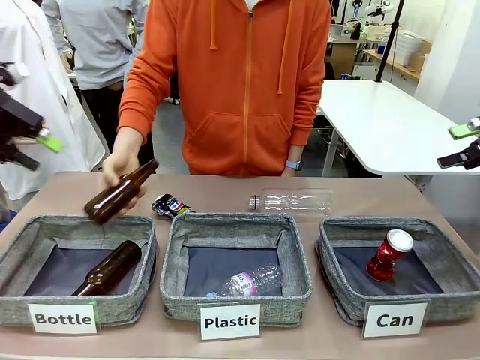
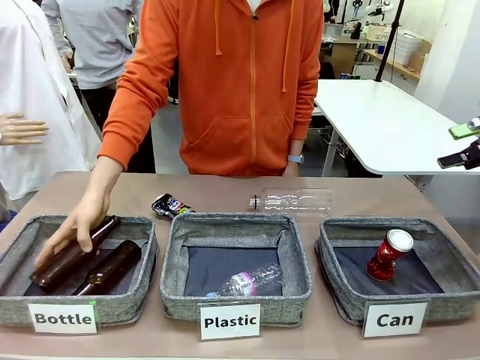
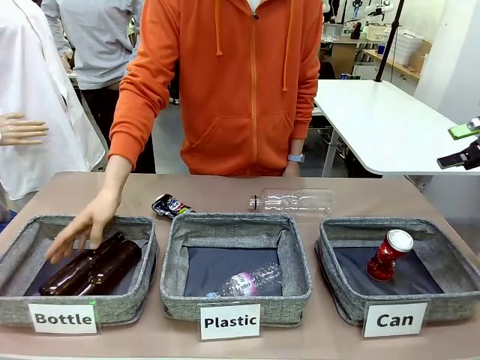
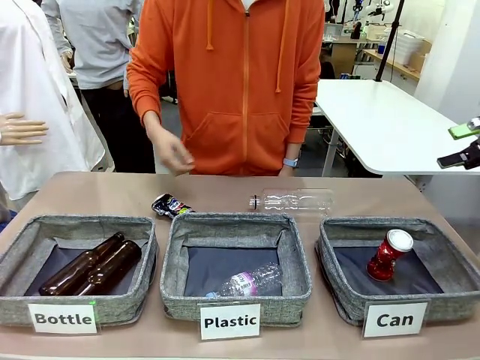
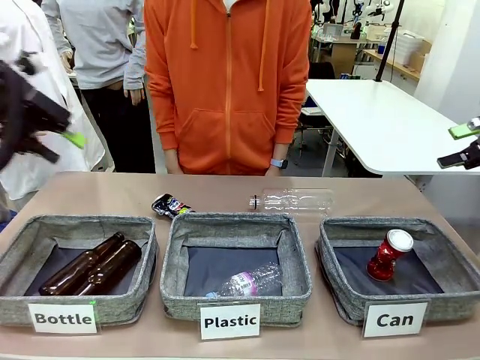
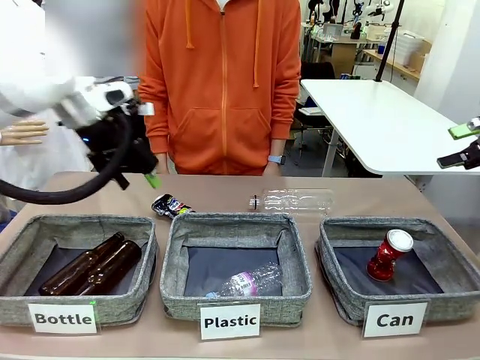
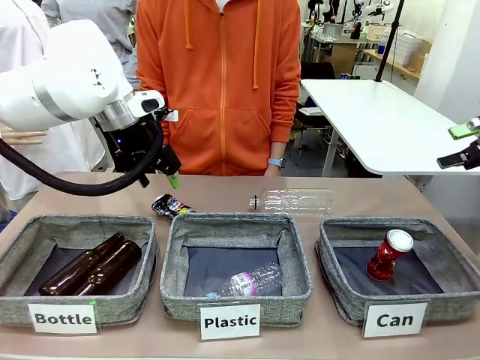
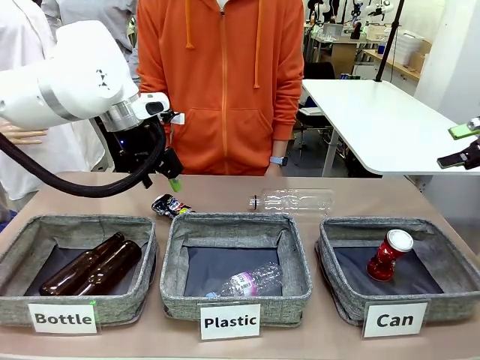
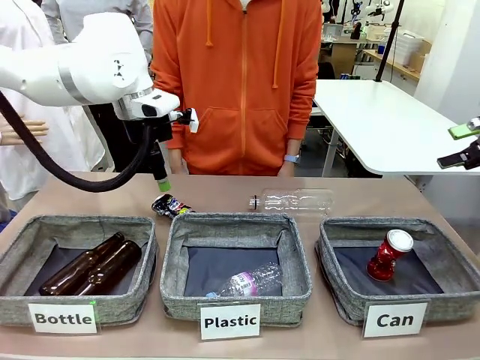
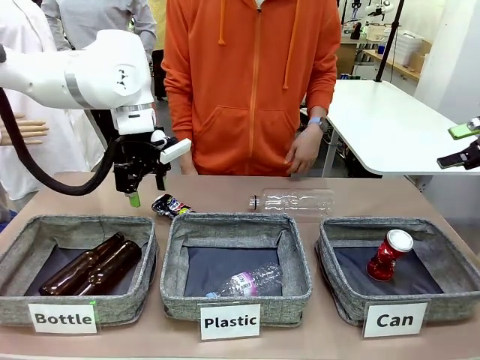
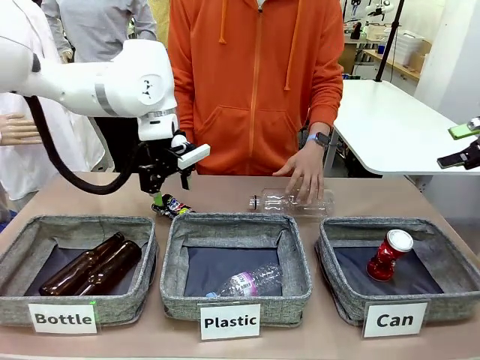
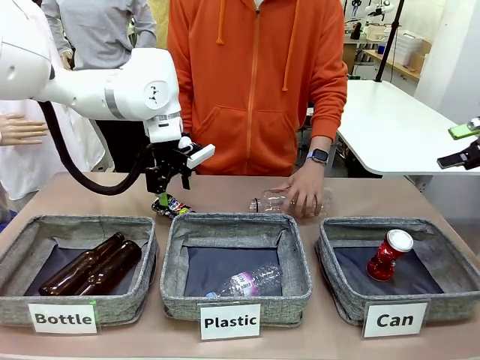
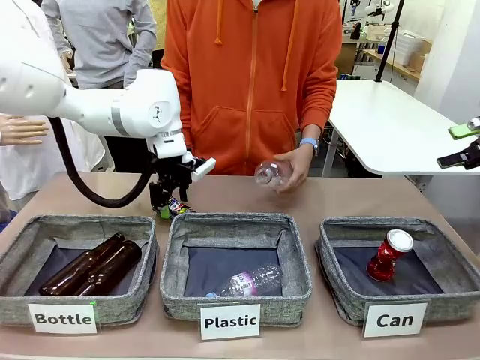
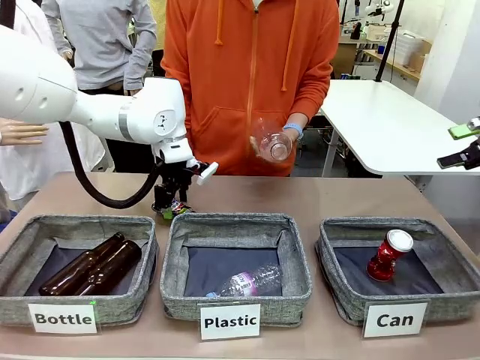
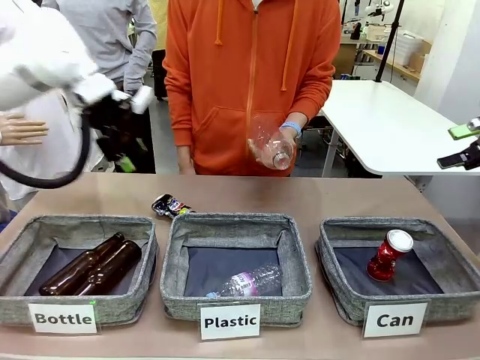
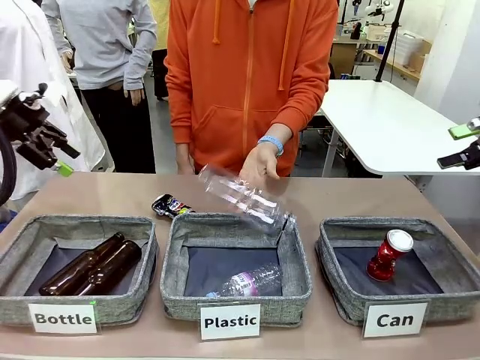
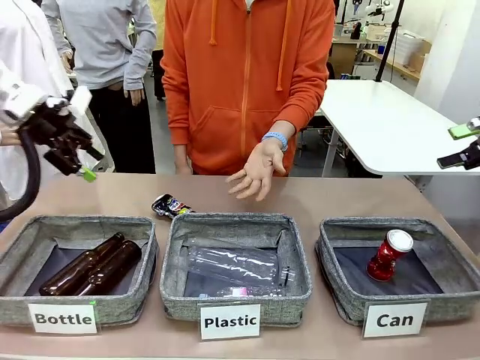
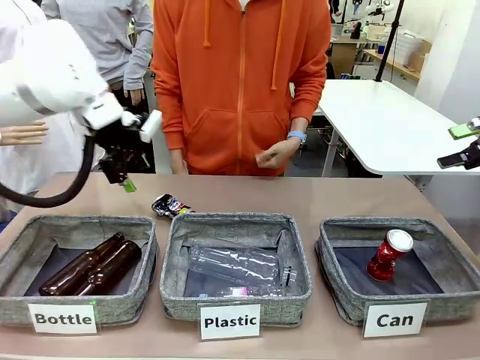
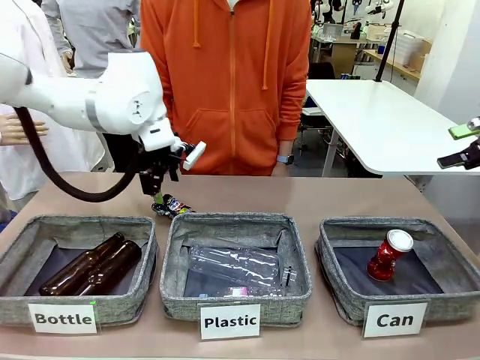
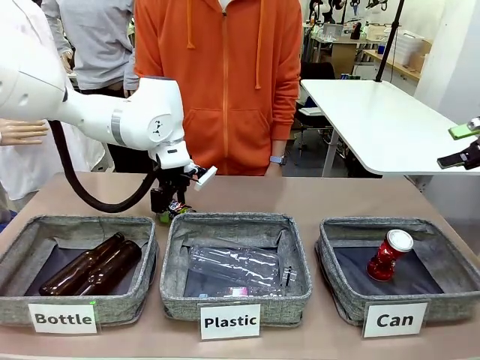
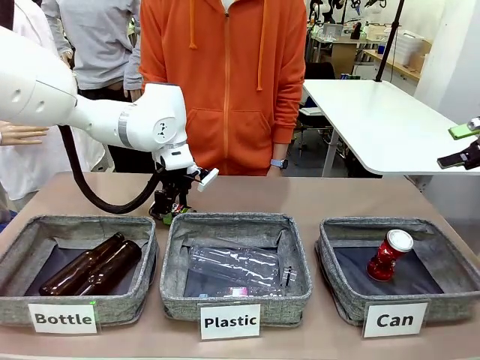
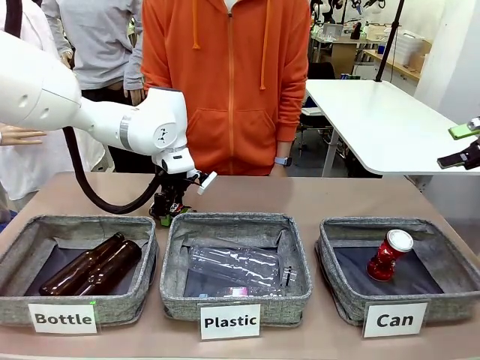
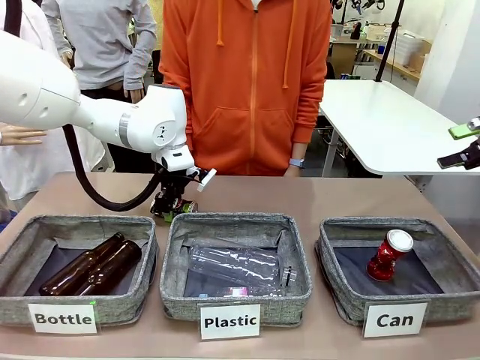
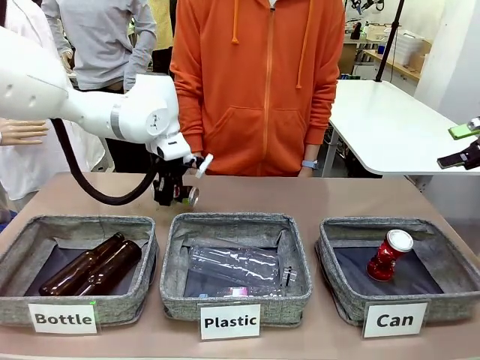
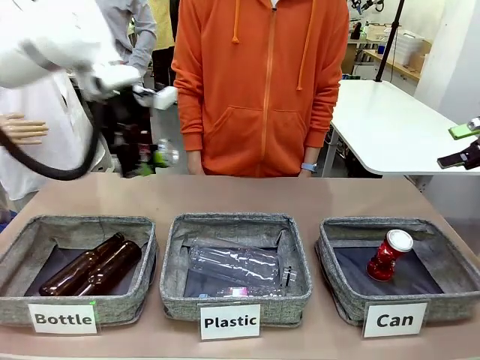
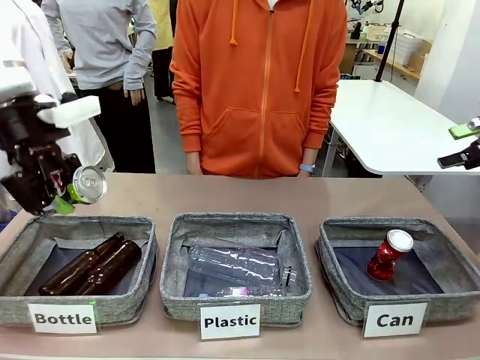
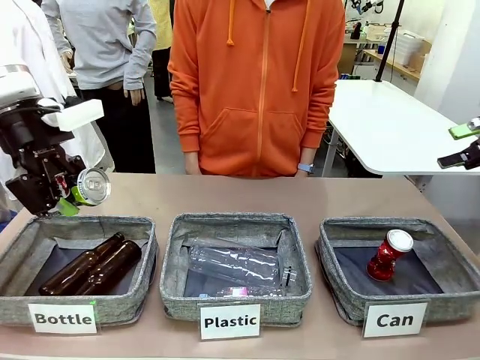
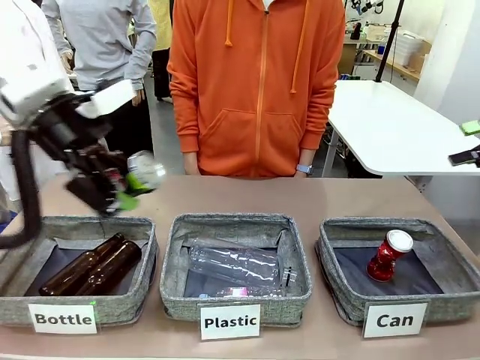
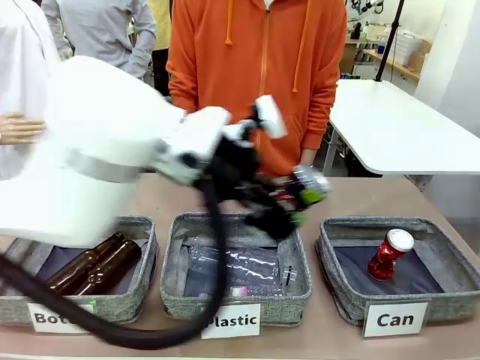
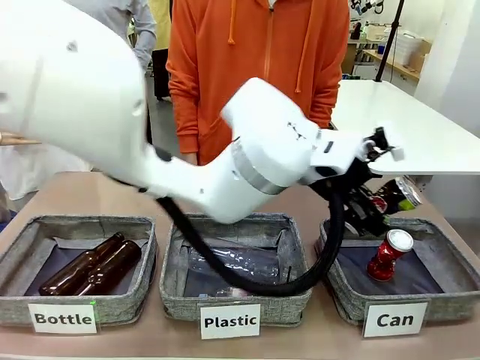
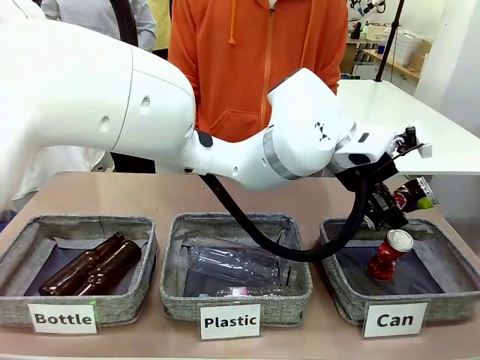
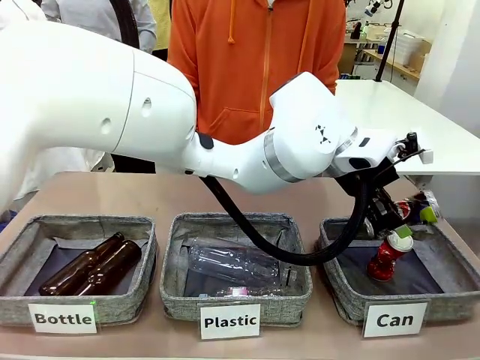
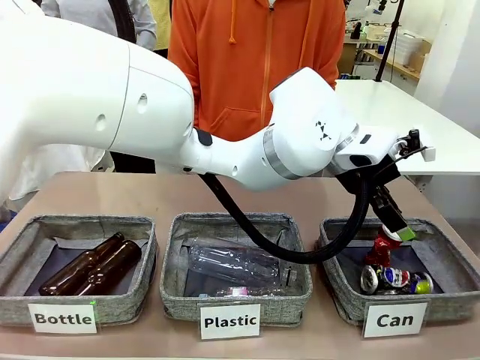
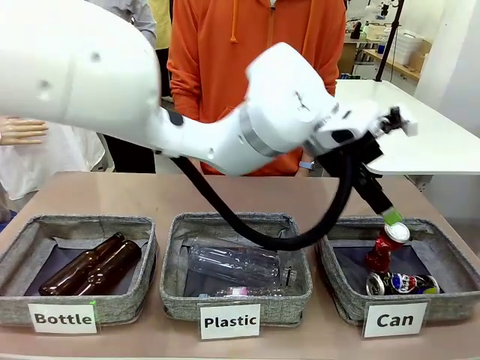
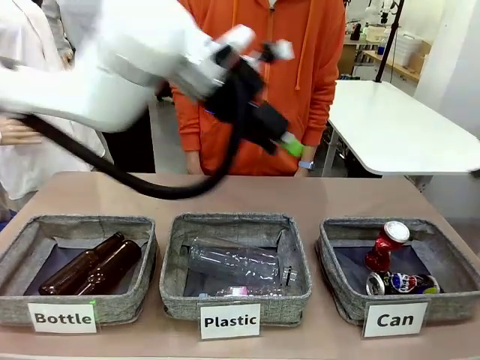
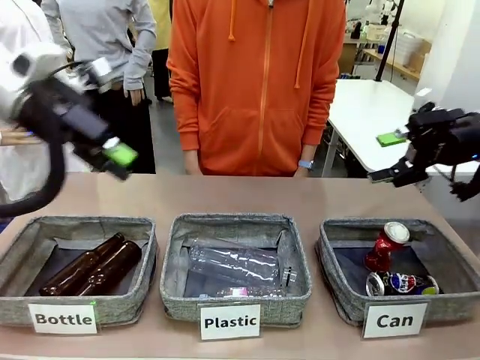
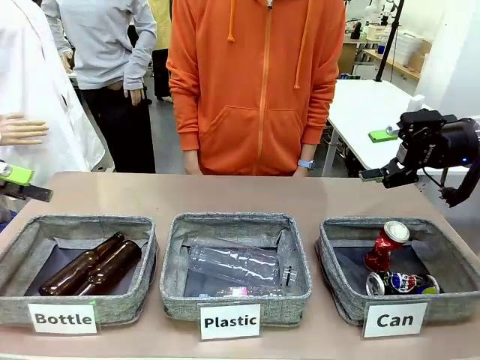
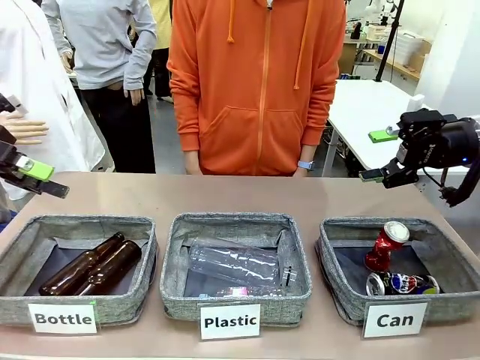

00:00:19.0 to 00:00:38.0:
Task: Sort the can waste into the basket.
Robot: Pick up the can waste from the table and place it in the right Fabric basket.

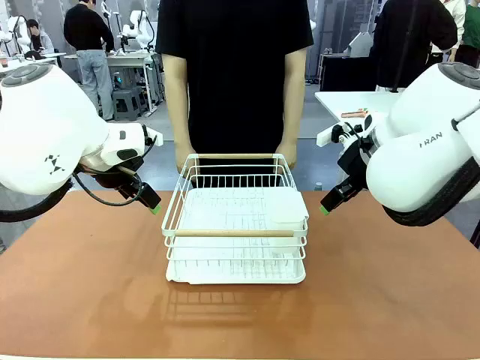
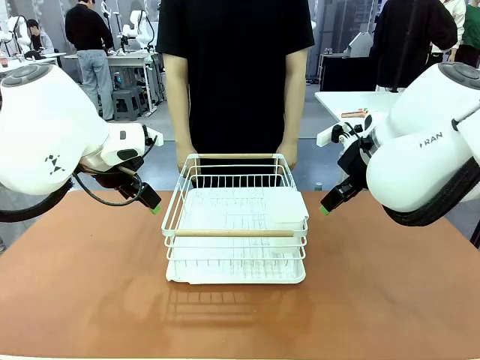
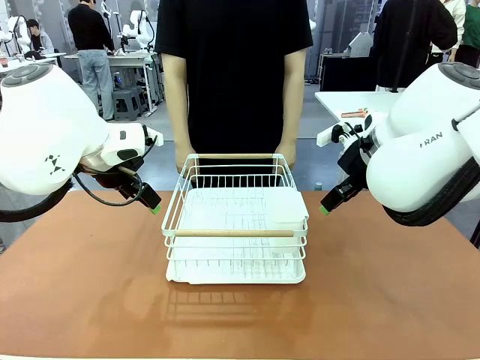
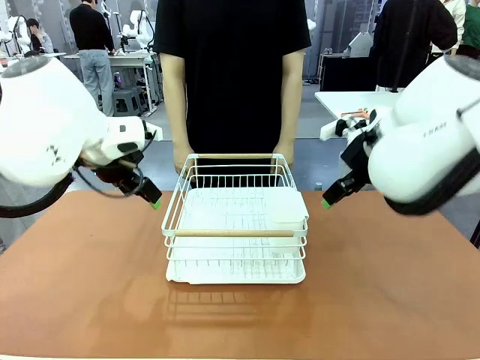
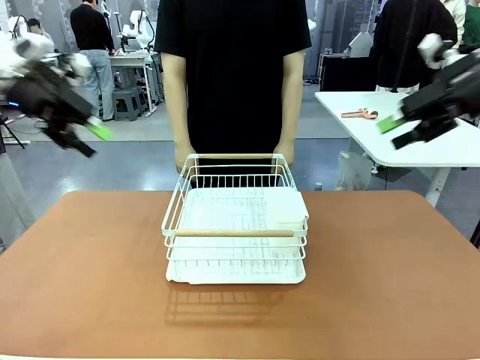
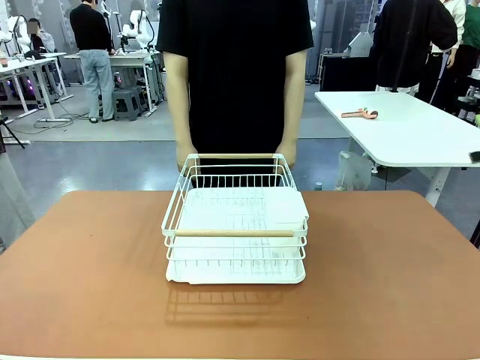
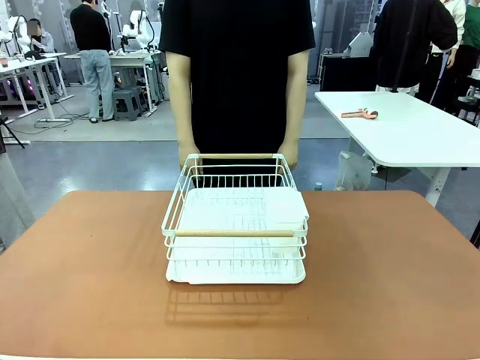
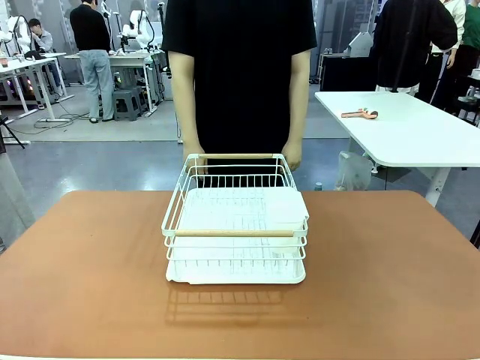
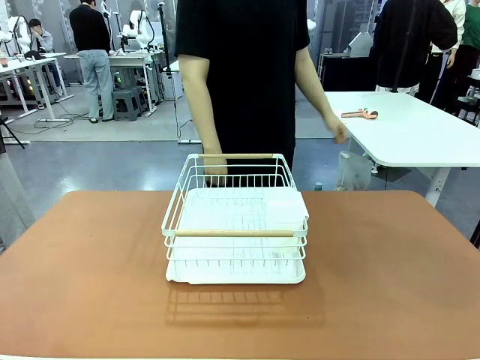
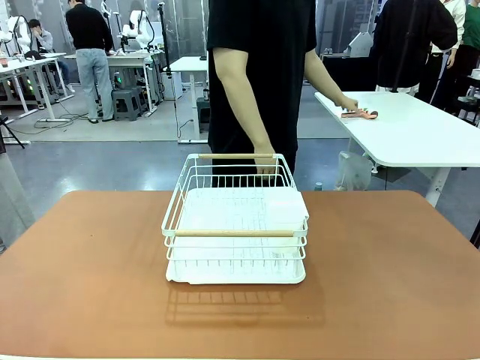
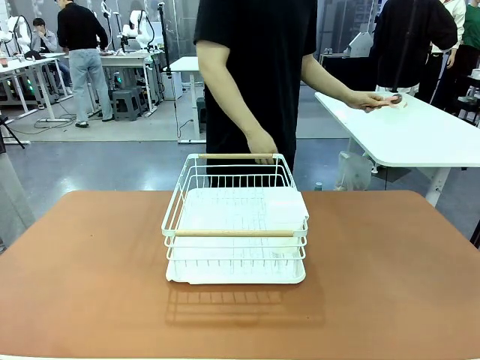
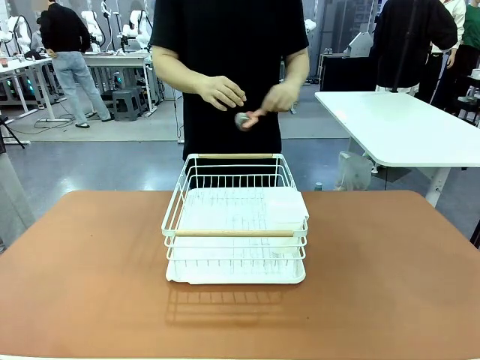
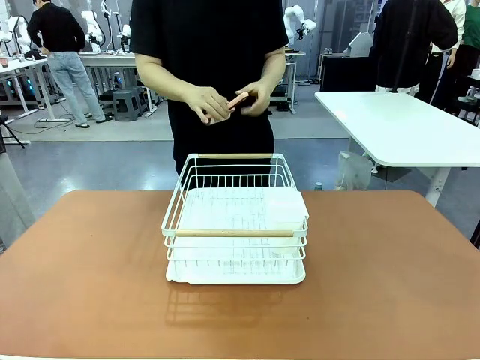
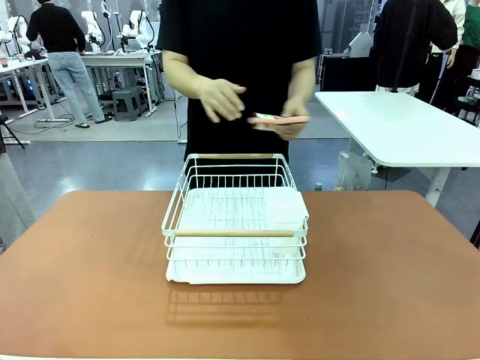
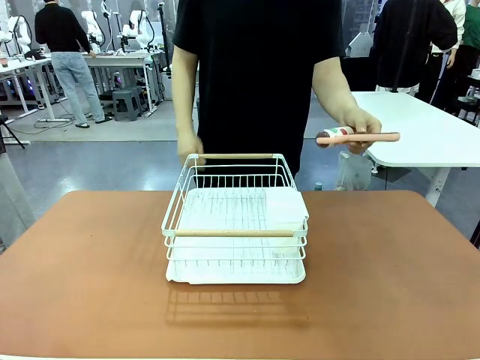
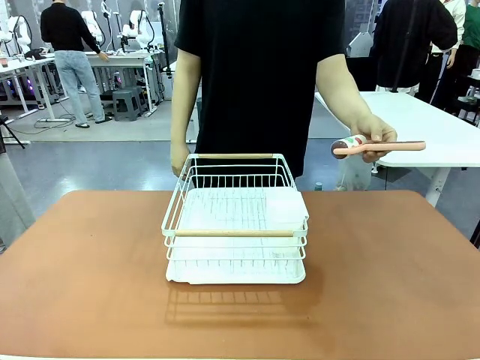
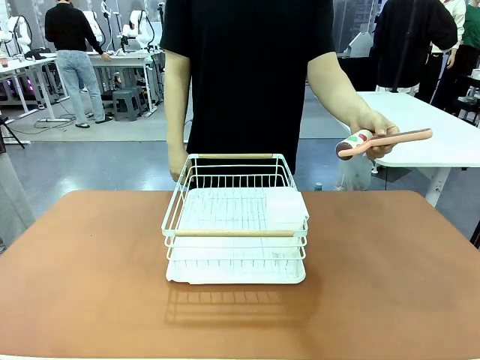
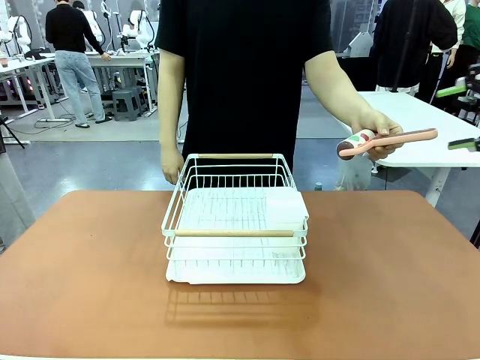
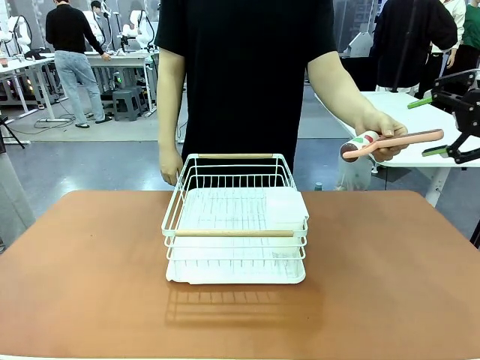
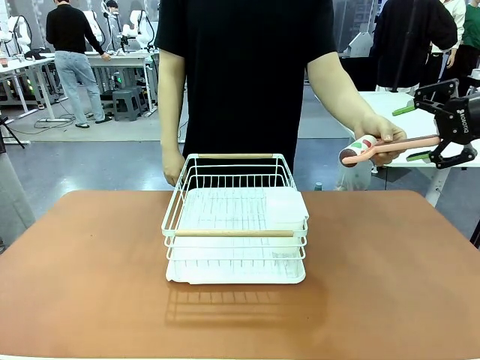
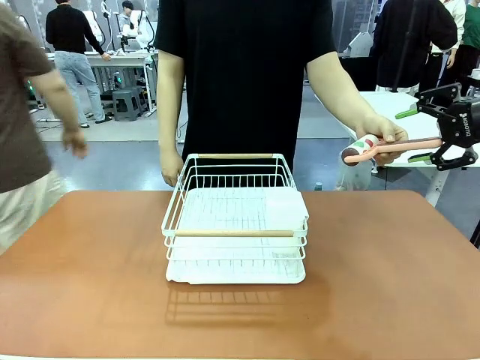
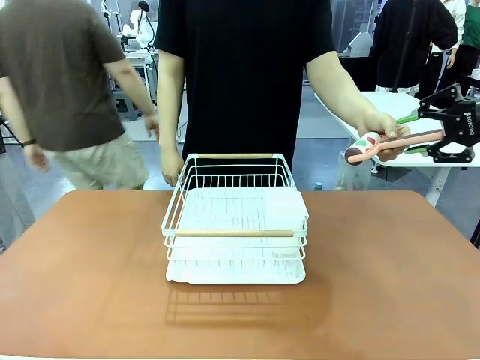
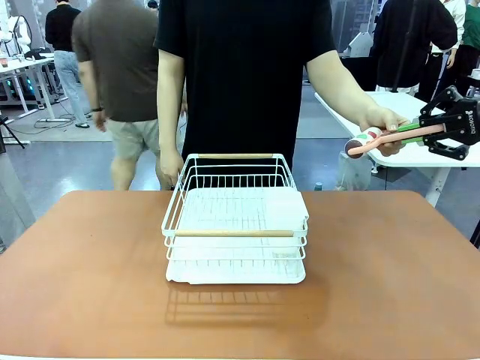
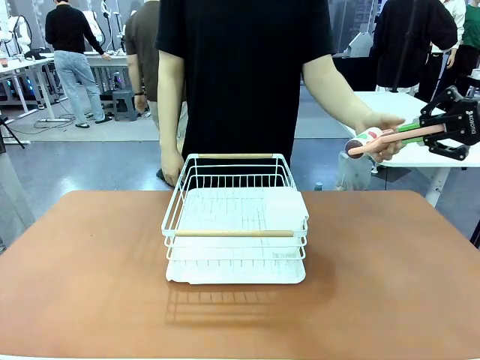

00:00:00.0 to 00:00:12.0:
Task: Clean the table.
Robot: Pick up the Lint Roller when the human hands it over.
Person: Hand the Lint Roller to the robot so it can easily pick it up. Lift the Dish drying rack.
